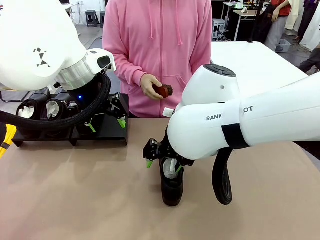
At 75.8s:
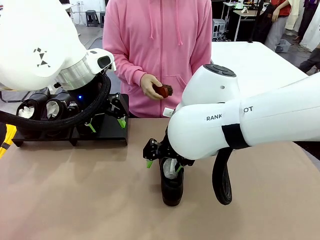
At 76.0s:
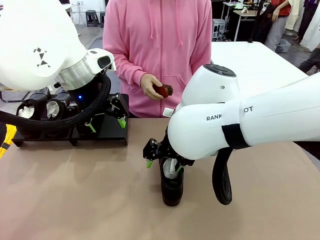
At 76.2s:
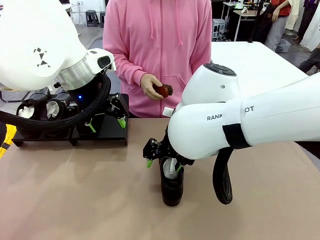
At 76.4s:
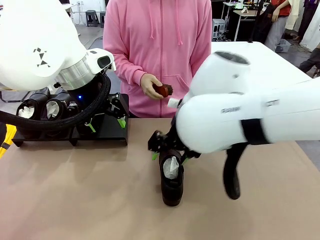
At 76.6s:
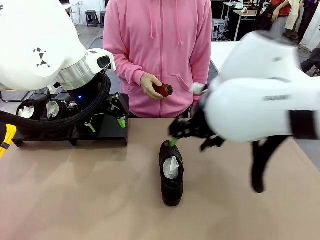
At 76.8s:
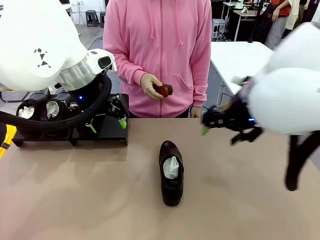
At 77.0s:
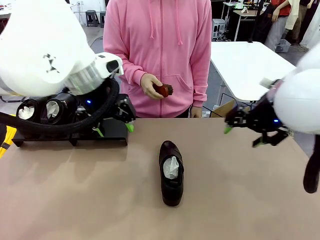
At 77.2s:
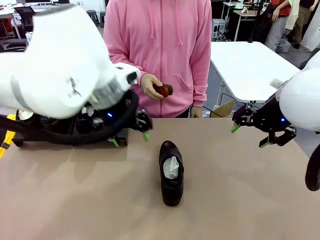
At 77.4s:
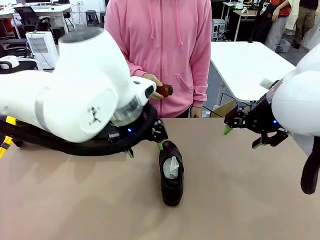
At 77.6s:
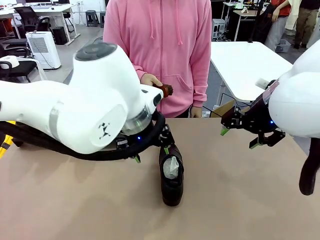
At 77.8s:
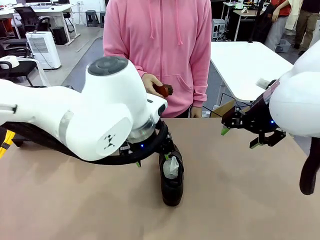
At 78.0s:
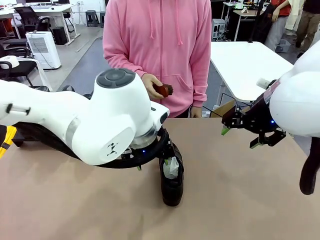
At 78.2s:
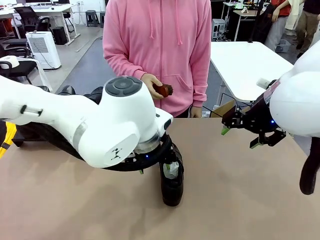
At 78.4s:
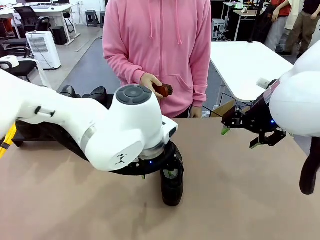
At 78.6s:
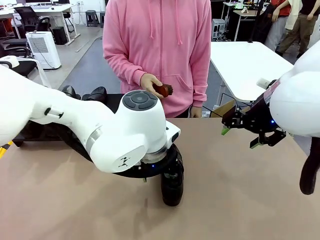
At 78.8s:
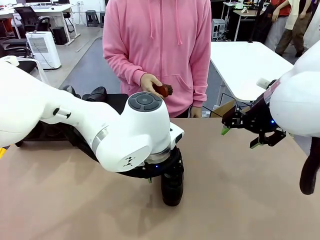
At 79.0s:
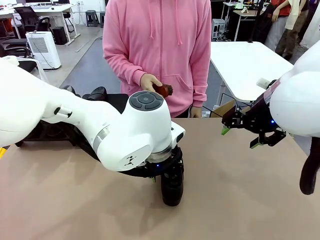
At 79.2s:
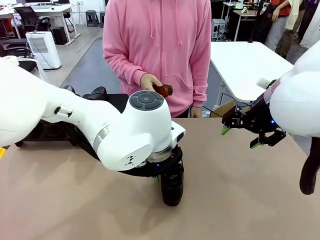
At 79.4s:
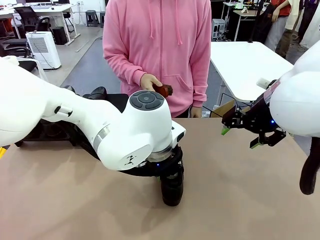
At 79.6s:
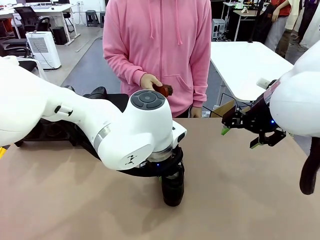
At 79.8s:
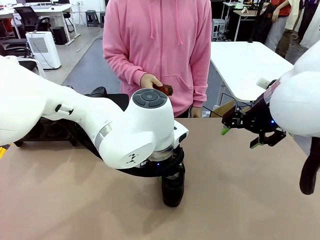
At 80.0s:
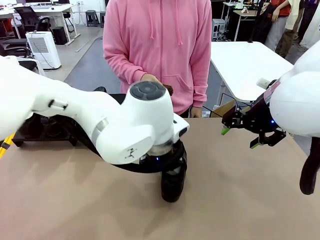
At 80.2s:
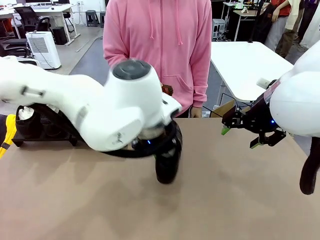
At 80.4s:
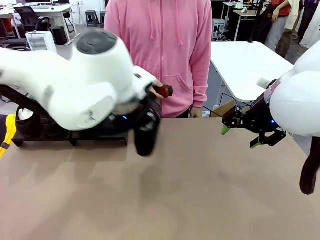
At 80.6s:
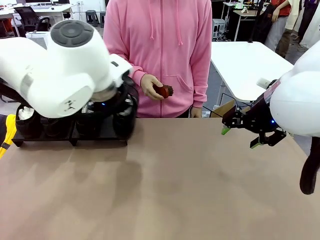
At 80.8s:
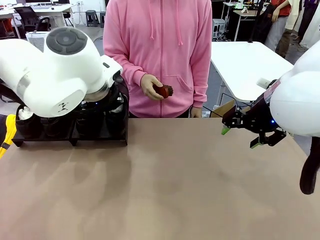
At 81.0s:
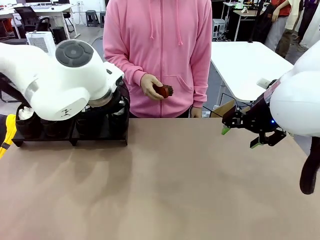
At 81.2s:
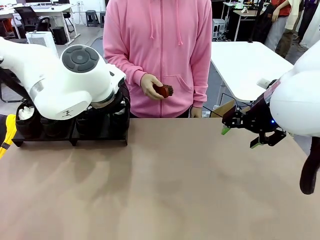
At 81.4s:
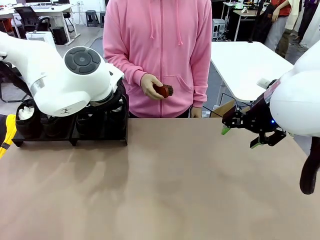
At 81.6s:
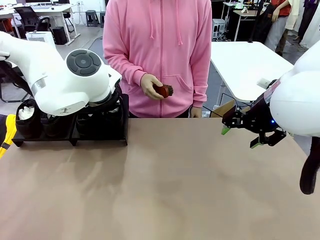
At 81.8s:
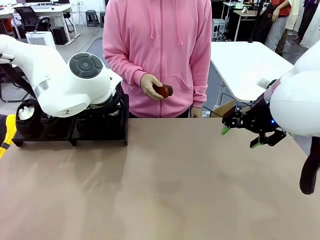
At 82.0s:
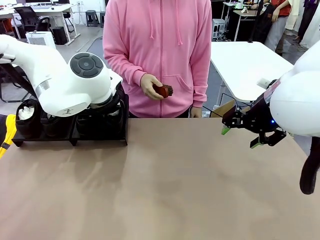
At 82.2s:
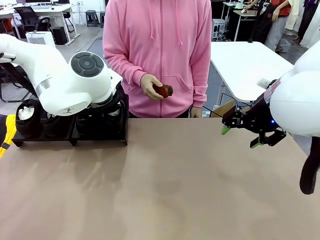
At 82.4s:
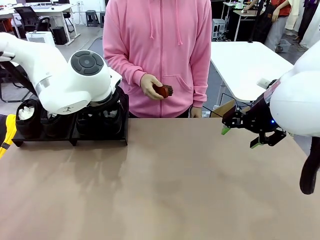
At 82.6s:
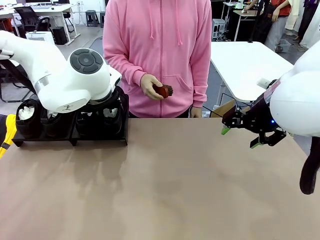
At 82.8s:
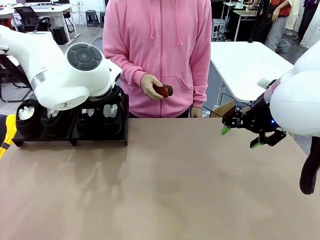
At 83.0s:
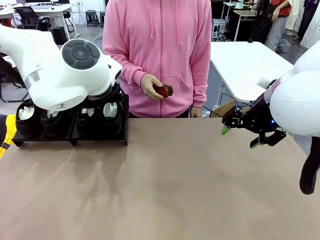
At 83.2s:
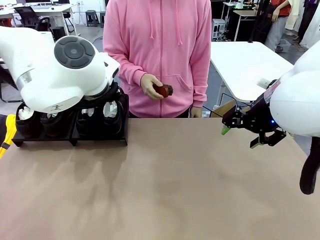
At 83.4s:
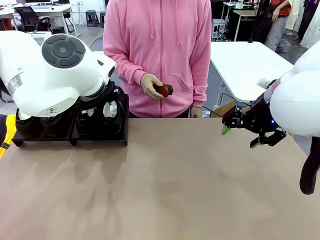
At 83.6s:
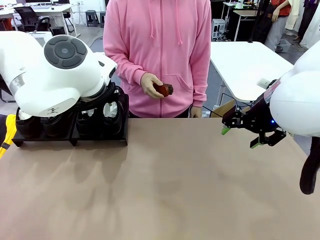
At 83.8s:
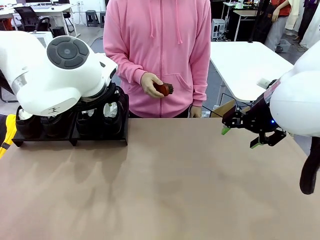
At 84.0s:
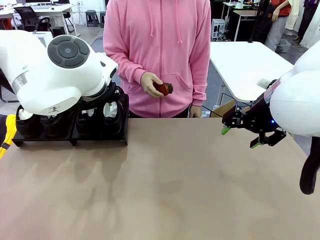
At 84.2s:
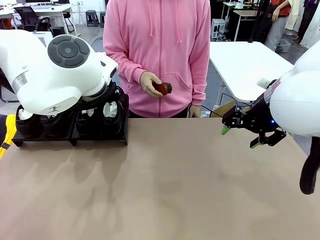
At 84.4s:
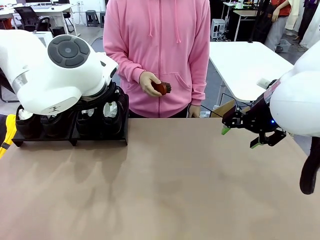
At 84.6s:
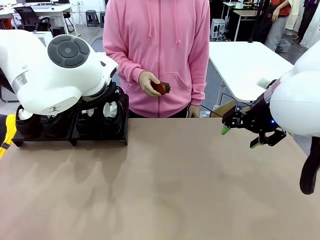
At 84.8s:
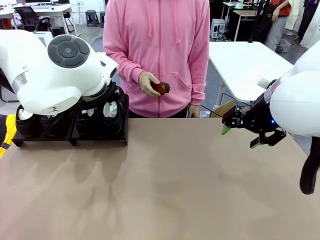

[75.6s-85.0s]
Task: Organize the shoes by placing them on the stand.
Robot: Place the Shoe from the middle of the table onto the Shoes Stand.

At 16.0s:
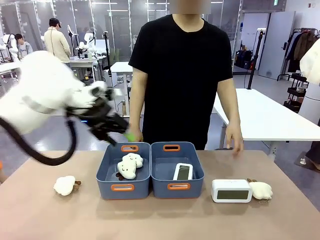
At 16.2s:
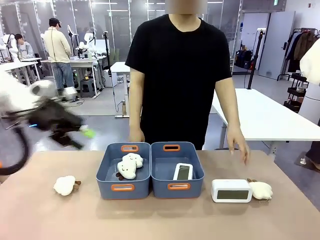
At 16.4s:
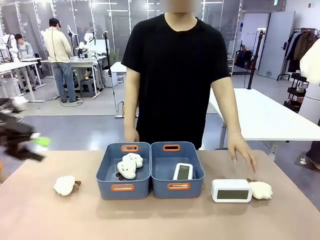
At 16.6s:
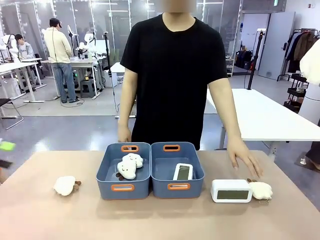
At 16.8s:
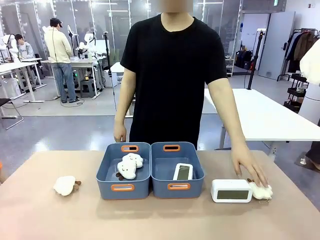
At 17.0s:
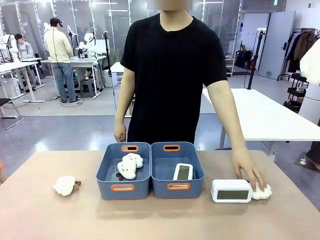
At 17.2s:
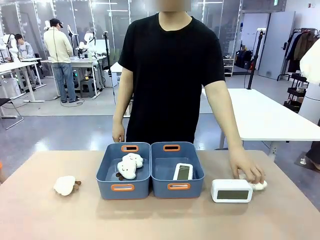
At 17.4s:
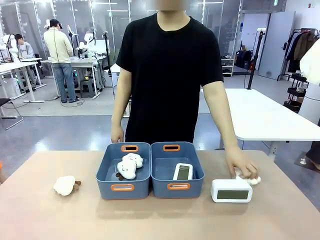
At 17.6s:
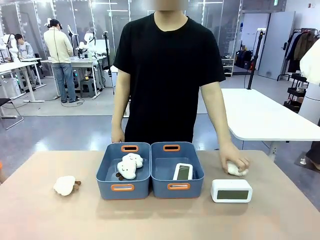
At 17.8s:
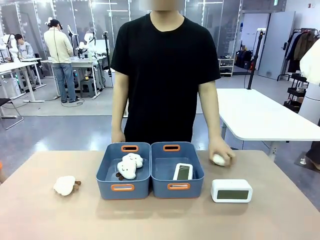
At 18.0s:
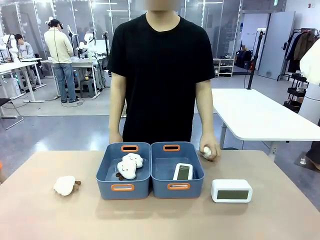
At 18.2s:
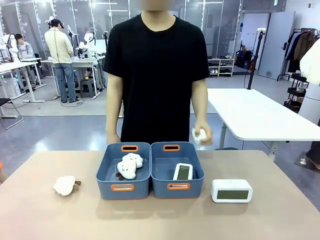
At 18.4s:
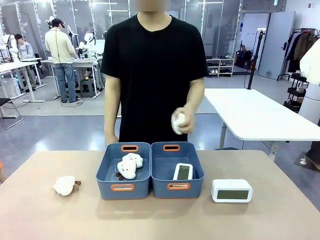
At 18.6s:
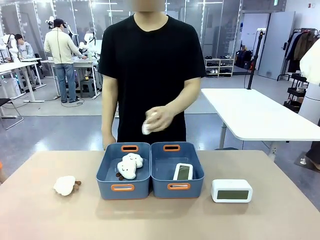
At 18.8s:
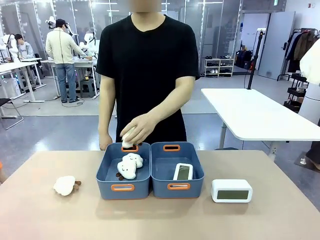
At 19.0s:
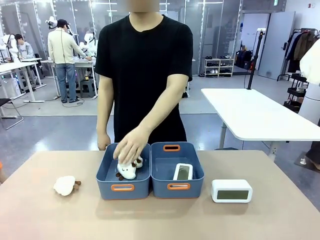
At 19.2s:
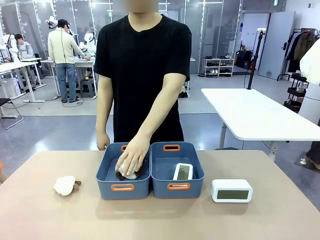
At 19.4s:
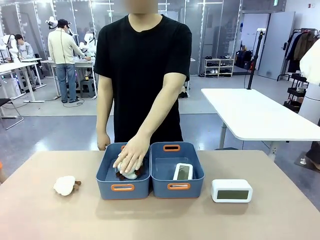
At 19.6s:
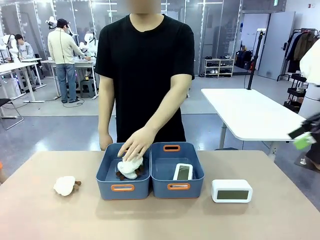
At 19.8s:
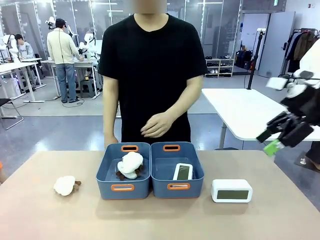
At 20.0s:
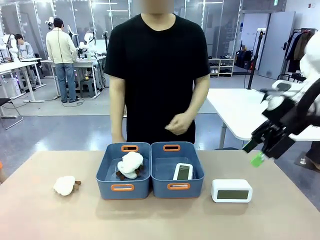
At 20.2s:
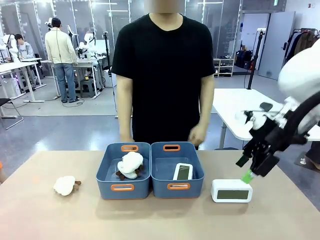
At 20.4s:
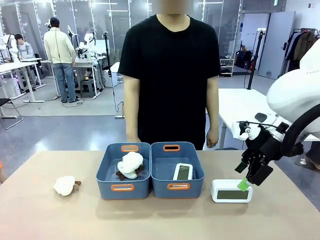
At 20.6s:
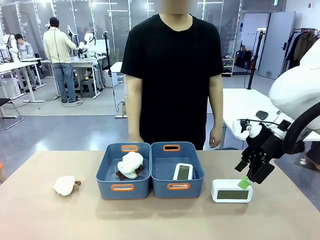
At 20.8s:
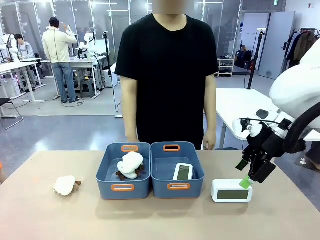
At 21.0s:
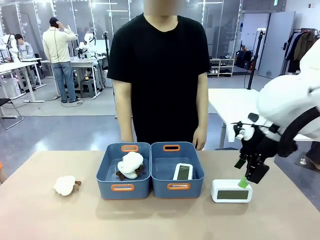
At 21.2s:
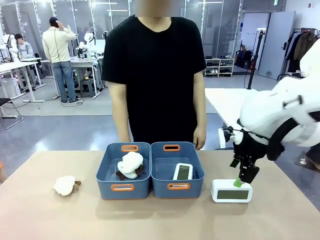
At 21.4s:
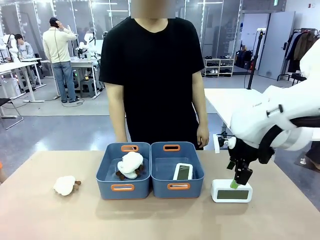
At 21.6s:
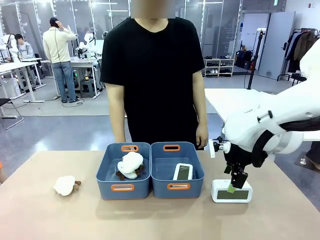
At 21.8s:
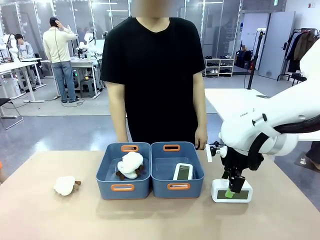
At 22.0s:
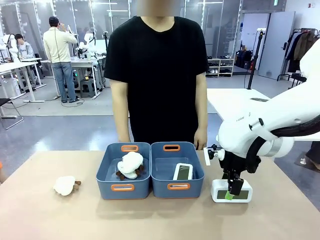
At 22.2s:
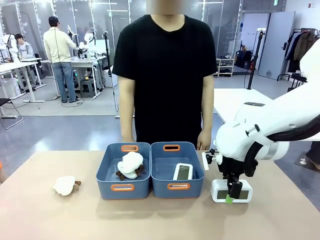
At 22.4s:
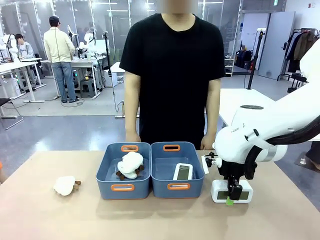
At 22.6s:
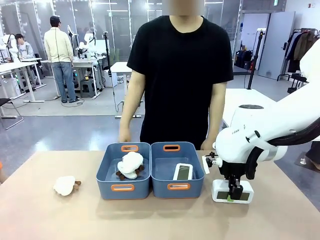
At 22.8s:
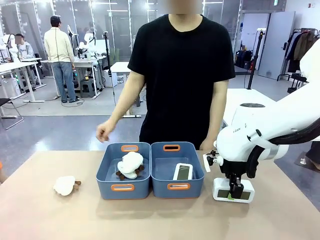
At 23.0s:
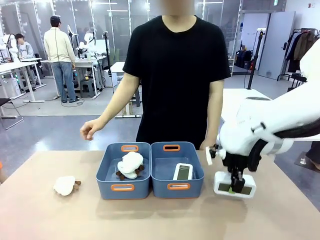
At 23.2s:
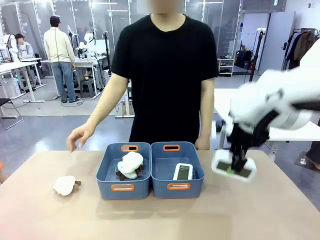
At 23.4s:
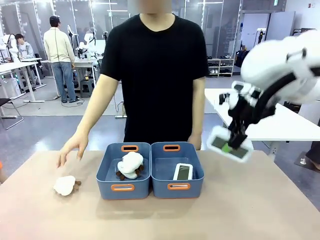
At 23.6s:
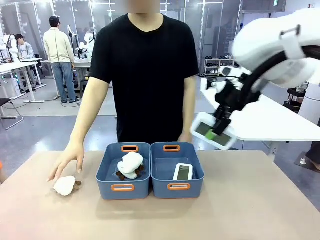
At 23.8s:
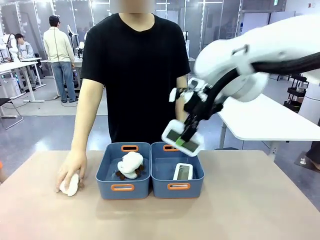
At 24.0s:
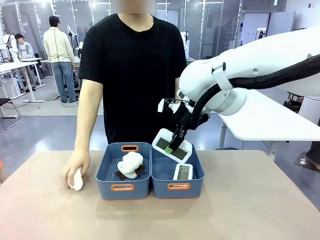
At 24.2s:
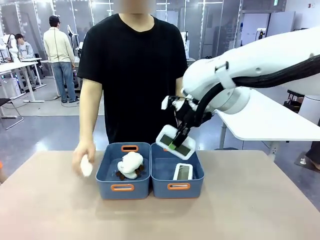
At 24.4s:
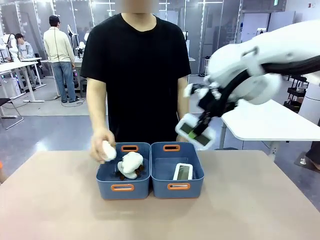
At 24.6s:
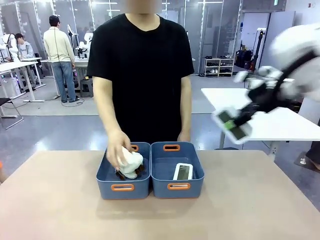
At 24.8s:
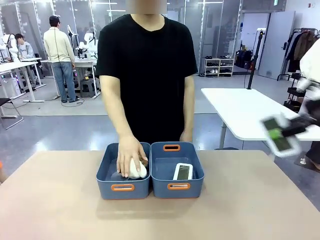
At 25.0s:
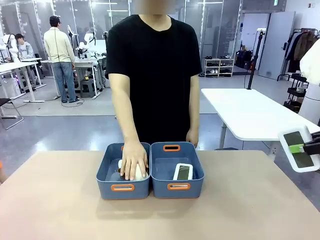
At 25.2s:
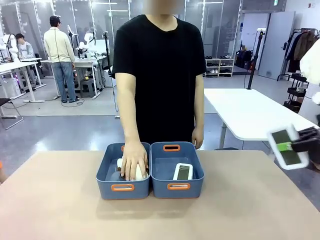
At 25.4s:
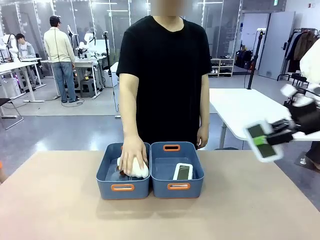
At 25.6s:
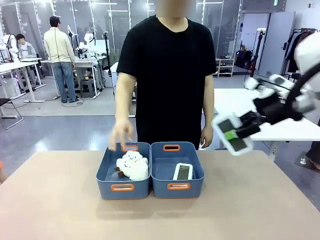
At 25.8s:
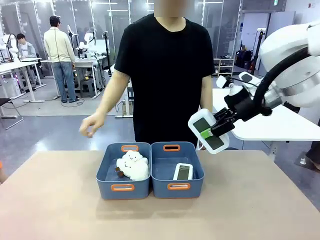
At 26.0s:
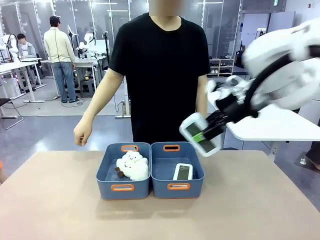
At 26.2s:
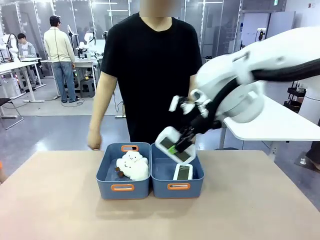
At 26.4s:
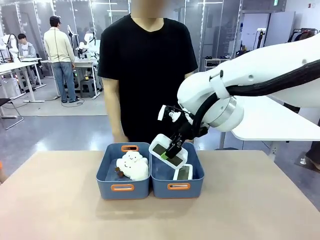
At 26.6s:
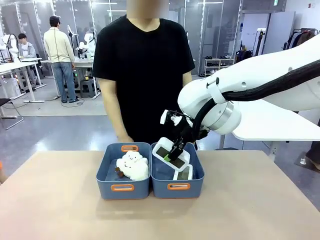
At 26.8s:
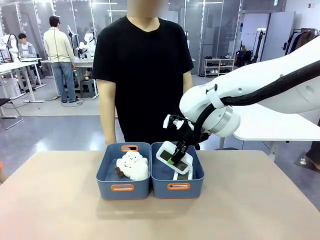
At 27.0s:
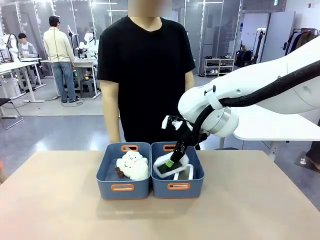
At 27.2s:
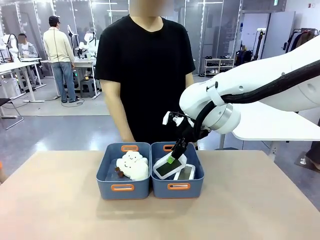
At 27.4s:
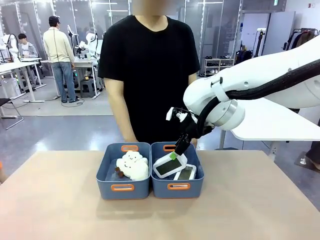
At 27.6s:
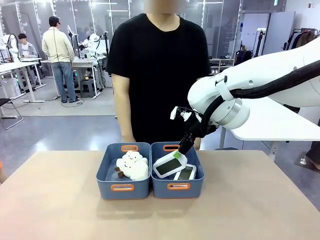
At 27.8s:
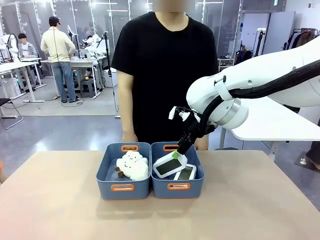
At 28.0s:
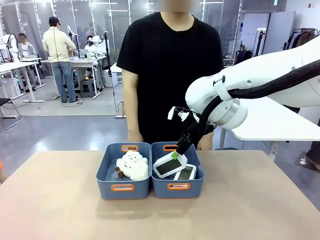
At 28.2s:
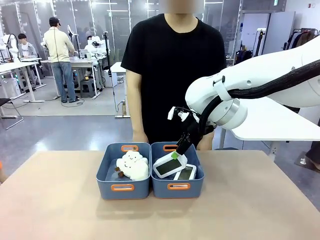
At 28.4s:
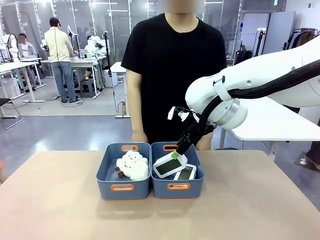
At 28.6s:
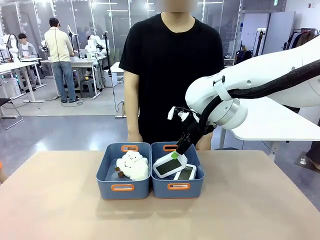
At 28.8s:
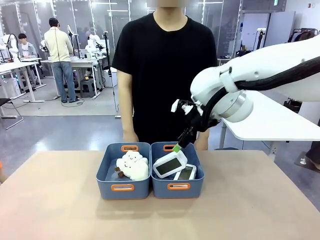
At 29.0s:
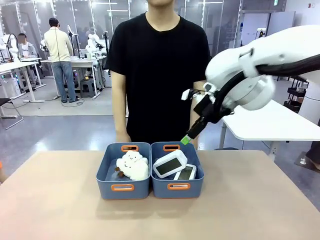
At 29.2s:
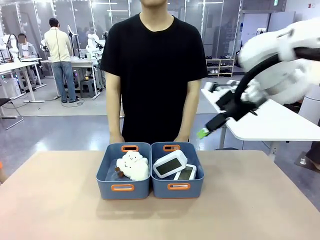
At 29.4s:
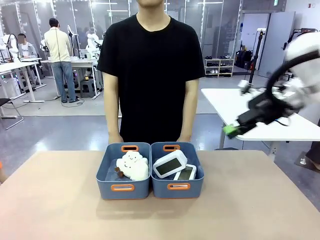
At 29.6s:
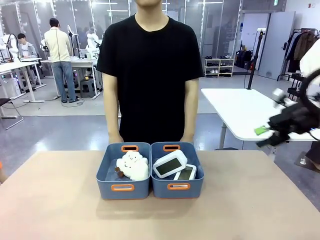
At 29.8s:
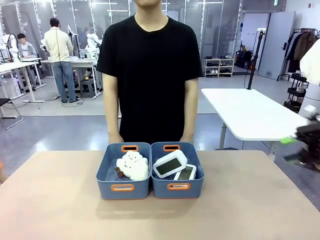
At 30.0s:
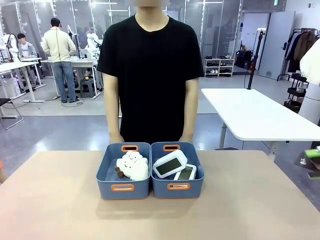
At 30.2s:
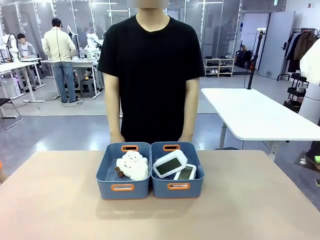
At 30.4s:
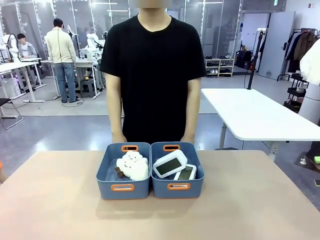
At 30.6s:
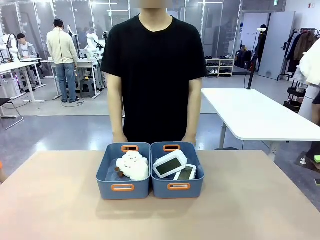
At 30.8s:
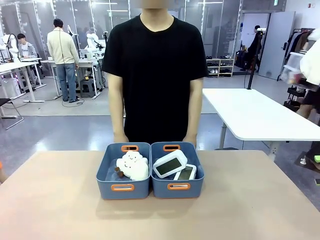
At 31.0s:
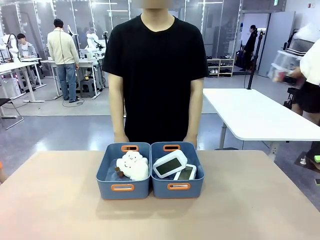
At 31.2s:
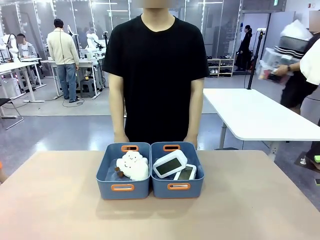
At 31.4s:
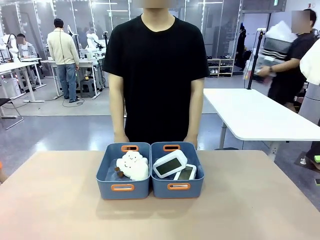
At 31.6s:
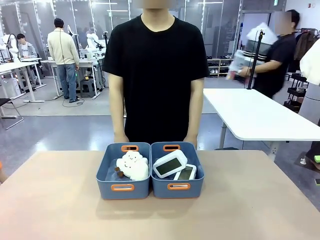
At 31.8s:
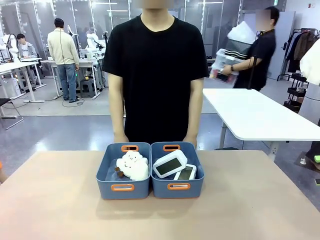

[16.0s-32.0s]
Task: Sort the digital clocks into the basket.
Robot: Pick up the Digital clock from the table and place it into the empty Plastic storage basket.
Person: Pick up a plush toy from the table and place it in the plastic storage basket containing the plush toy.
